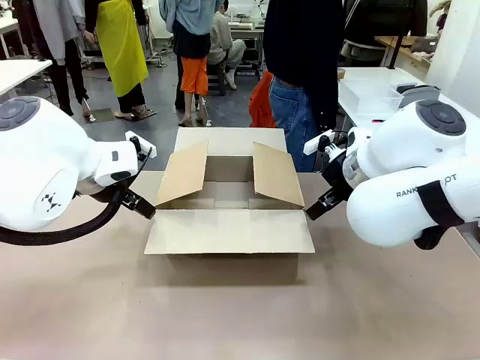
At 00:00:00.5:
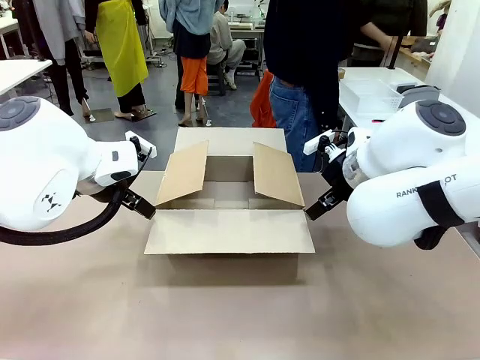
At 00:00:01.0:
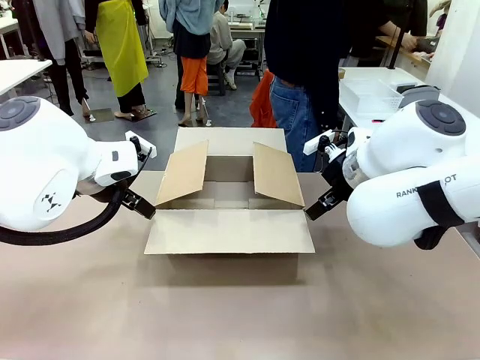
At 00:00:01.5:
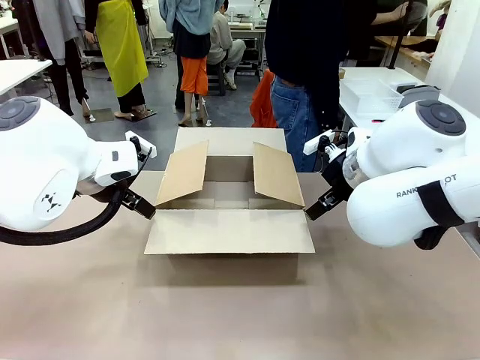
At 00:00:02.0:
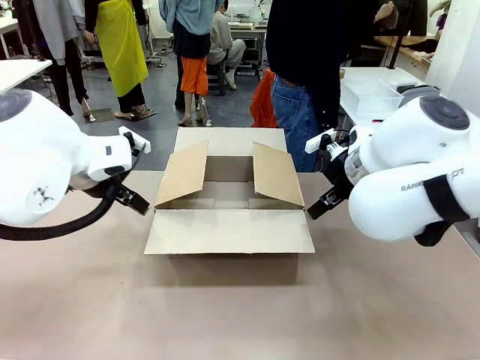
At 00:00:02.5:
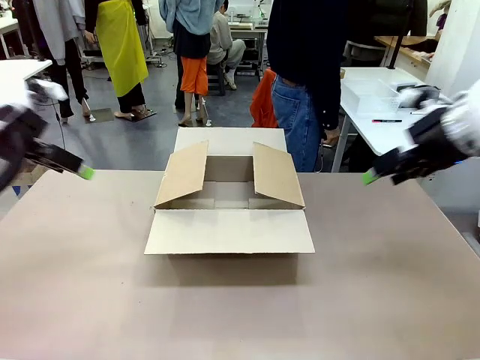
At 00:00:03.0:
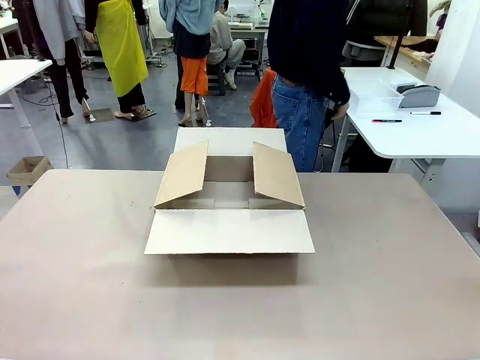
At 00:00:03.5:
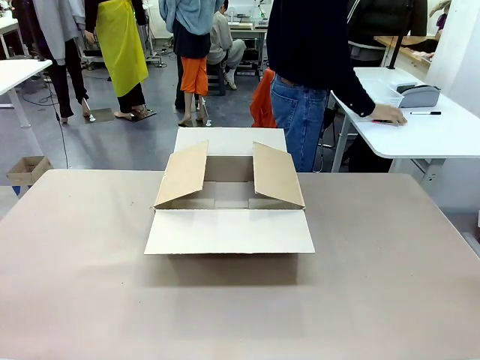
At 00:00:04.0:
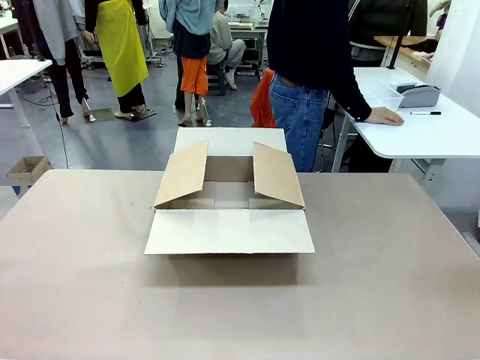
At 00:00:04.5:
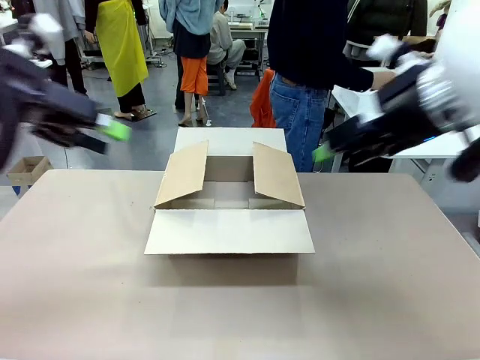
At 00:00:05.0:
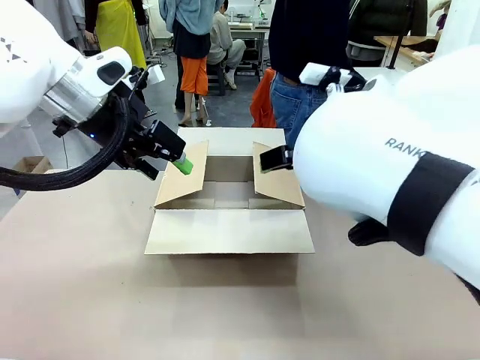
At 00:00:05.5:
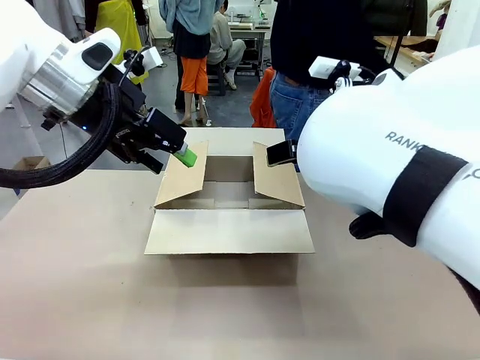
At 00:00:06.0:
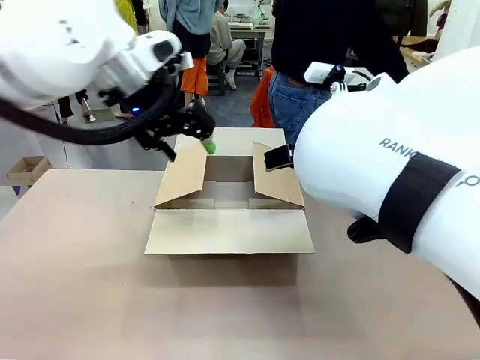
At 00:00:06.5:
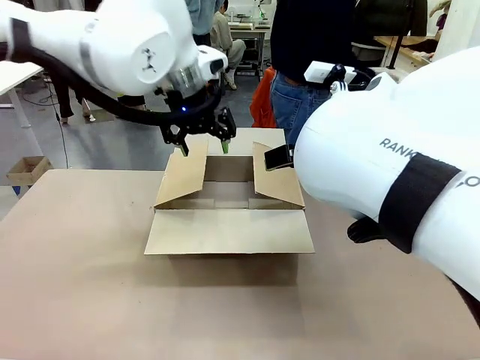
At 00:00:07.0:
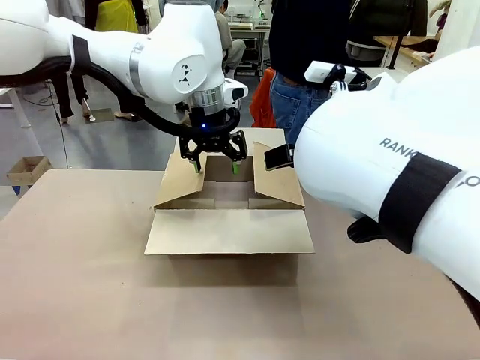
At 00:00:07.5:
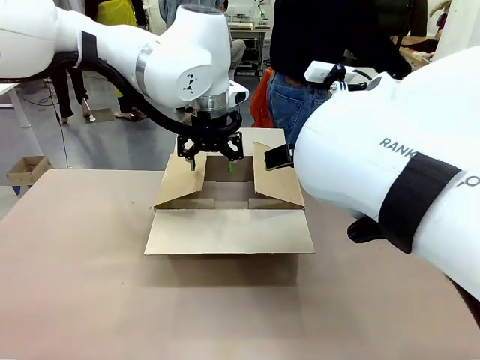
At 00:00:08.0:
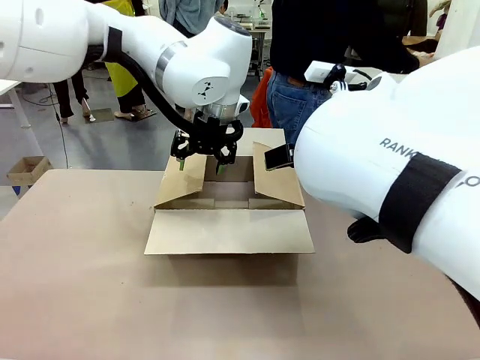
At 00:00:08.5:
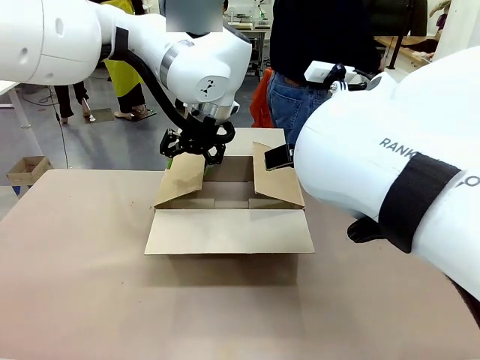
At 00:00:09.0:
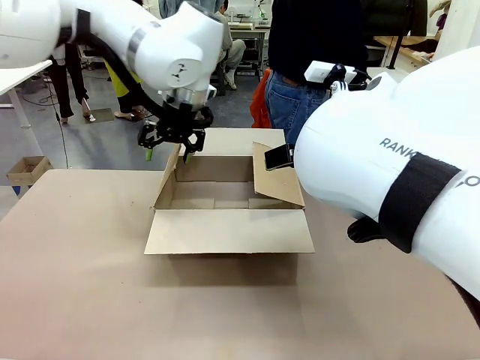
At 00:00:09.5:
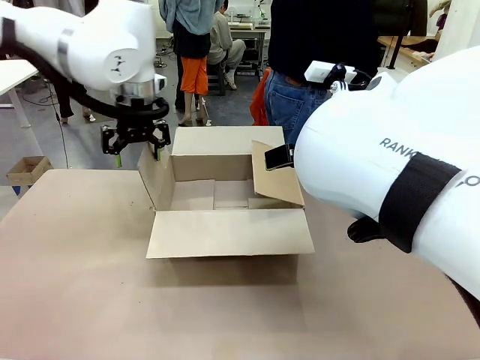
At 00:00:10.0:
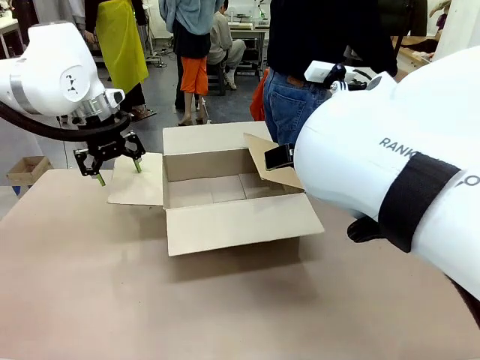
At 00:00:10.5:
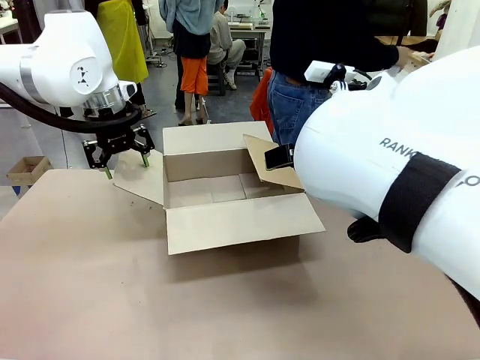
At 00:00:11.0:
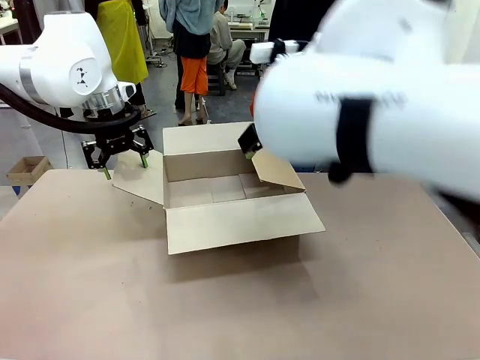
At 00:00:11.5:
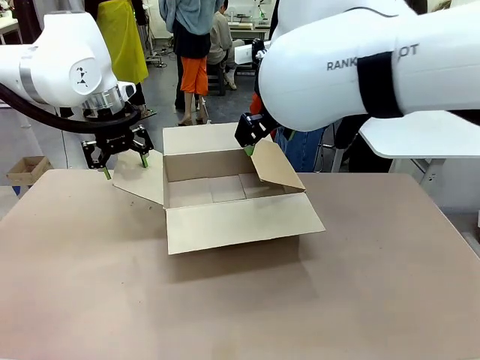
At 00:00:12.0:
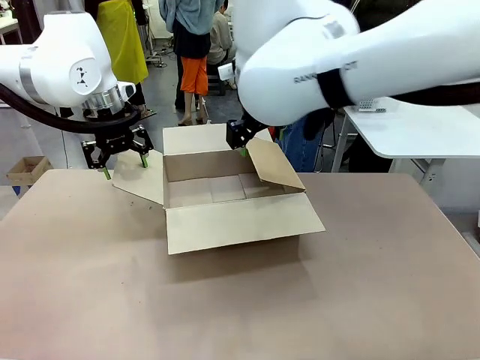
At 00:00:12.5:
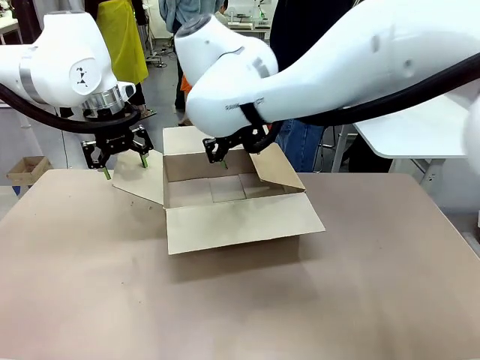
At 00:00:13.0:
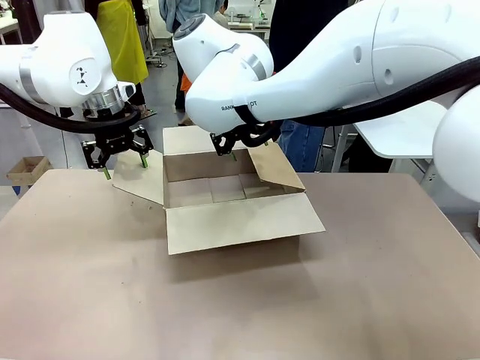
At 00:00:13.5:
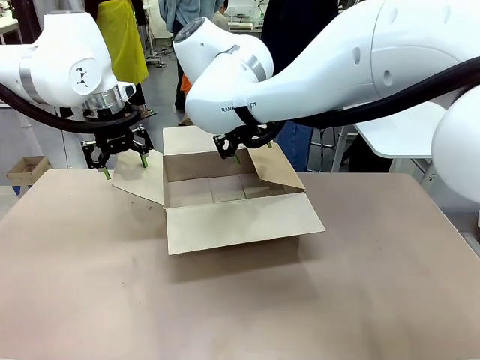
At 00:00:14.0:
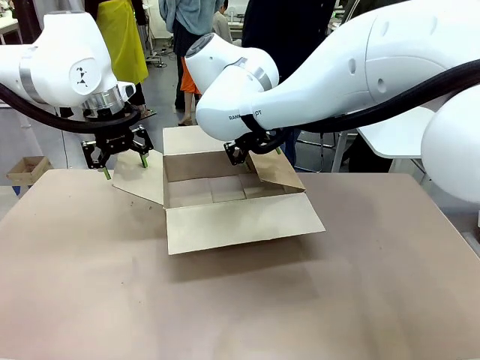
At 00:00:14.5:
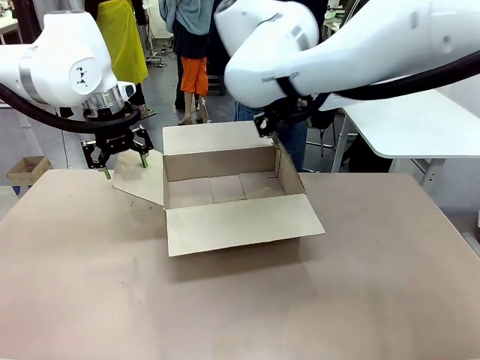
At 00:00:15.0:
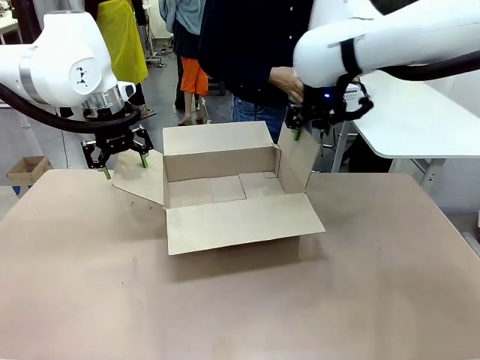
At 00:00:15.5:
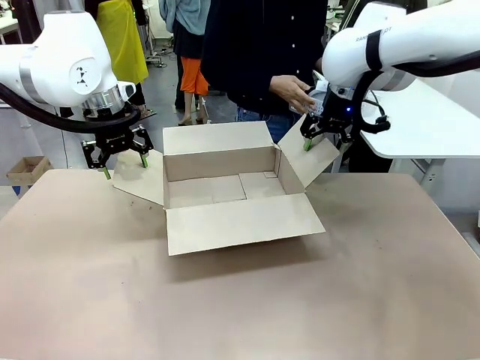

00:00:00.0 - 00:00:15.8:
Task: Pack the gift set into the box.
Robot: Place both hands on the side flaps of the Package Box and spread them outward.
Person: The human places all items except the paper tape into the organizing basket.

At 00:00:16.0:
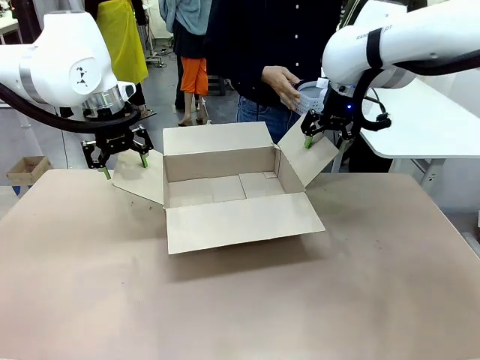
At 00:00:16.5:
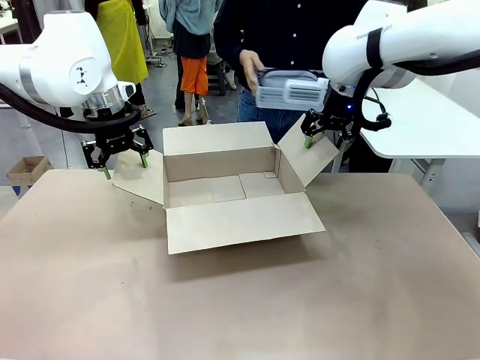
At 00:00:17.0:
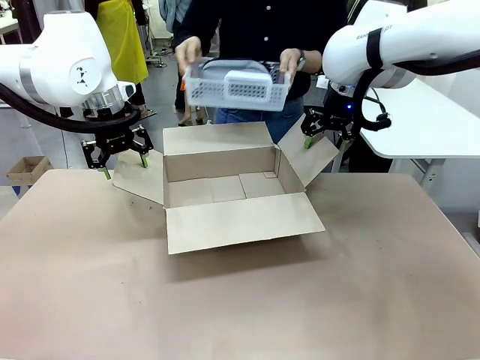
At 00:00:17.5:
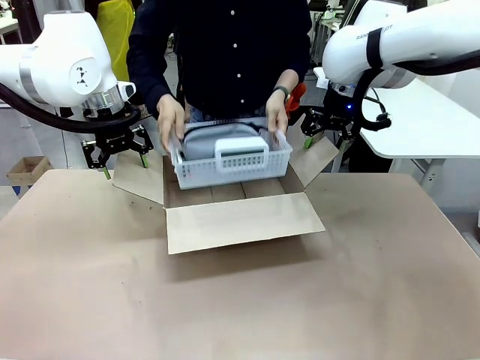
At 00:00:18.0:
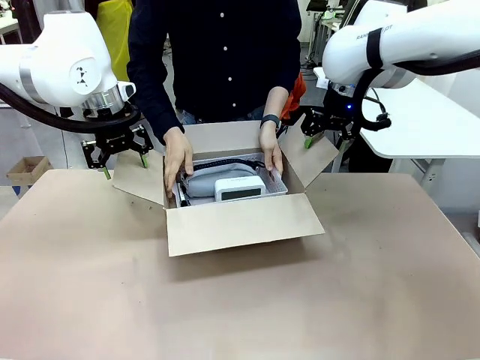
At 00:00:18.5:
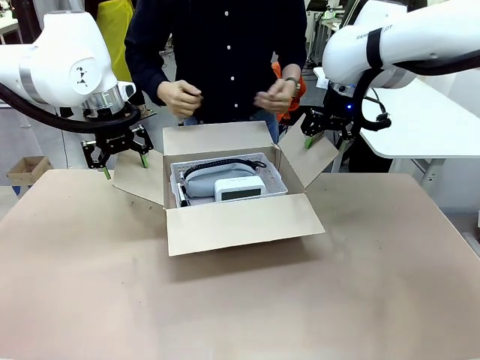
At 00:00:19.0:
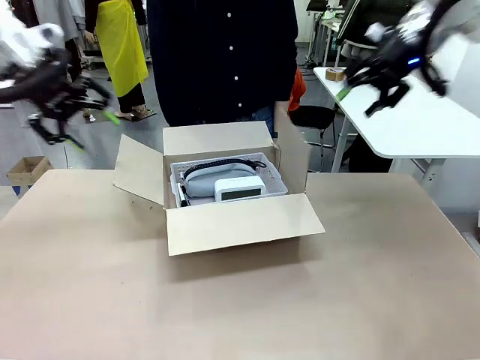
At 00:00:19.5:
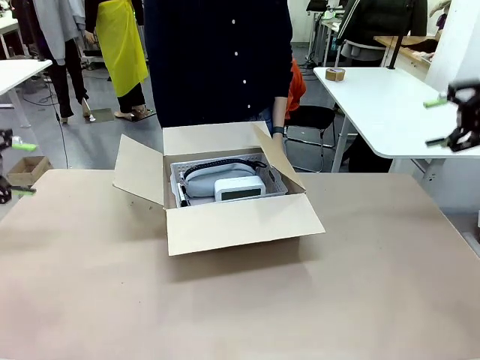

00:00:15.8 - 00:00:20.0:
Robot: Lift both hands away from the flaps of the Package Box.
Person: The human picks up the organizing basket and places the organizing basket into the package box on the robot table.
